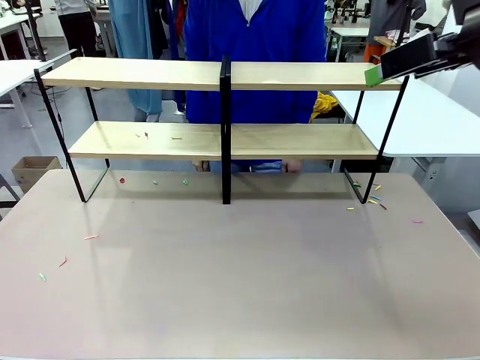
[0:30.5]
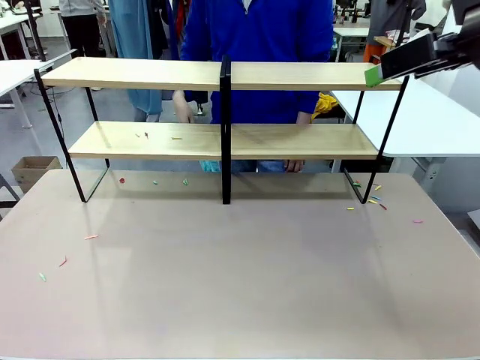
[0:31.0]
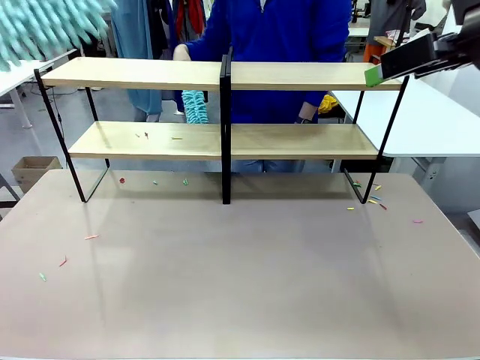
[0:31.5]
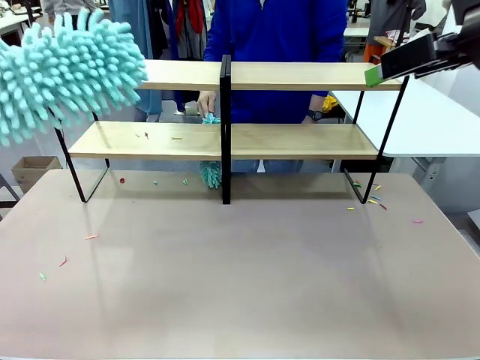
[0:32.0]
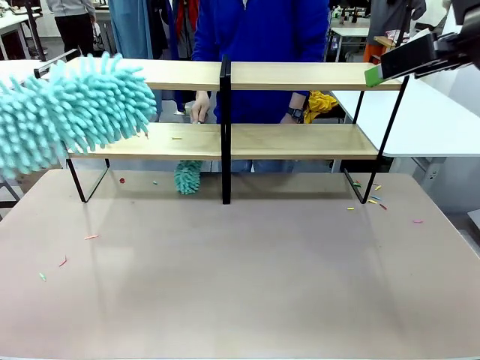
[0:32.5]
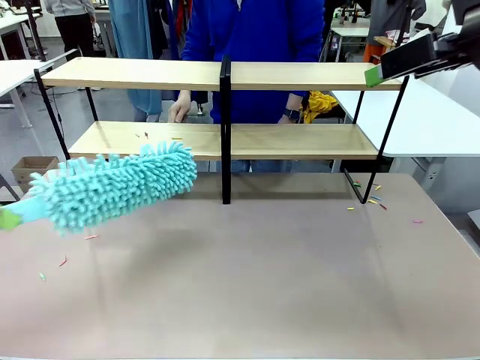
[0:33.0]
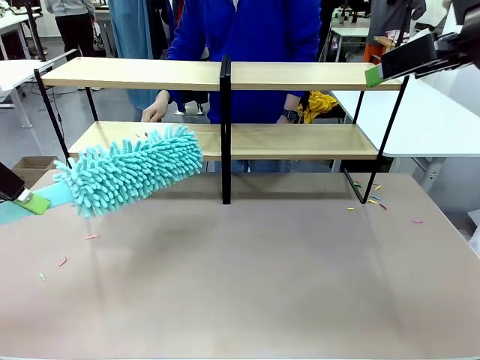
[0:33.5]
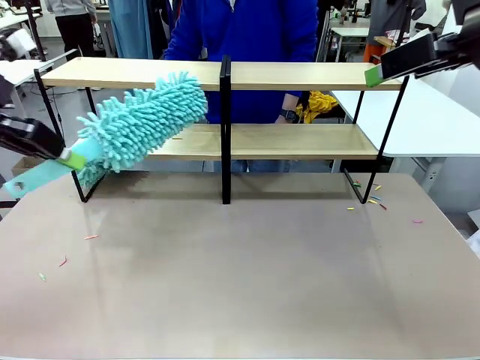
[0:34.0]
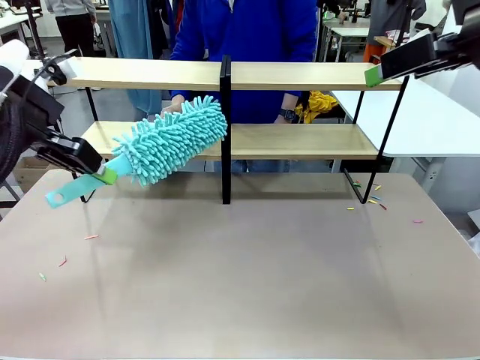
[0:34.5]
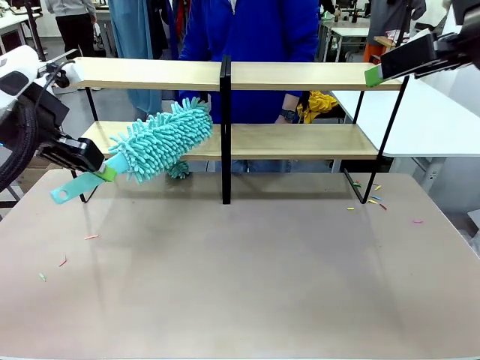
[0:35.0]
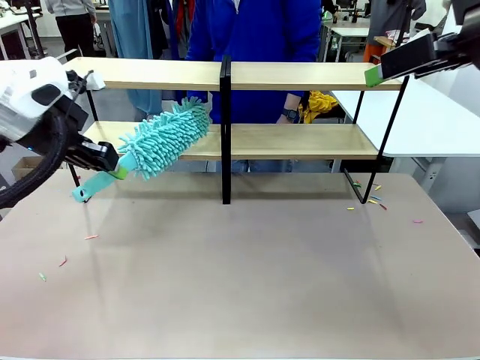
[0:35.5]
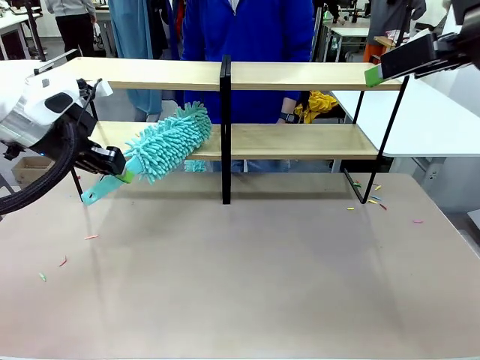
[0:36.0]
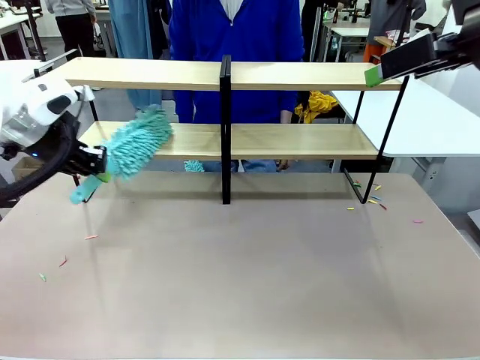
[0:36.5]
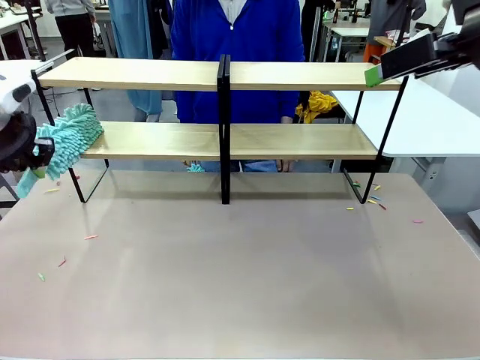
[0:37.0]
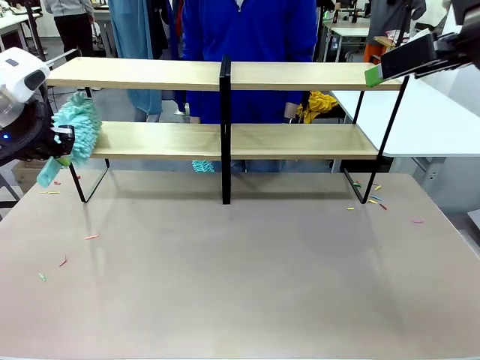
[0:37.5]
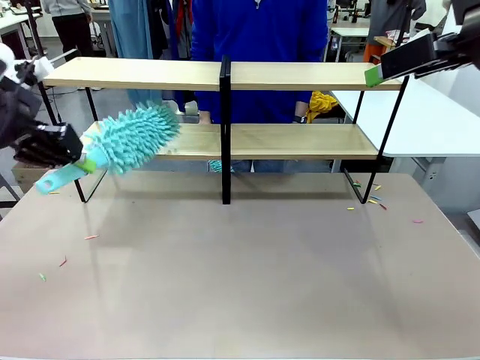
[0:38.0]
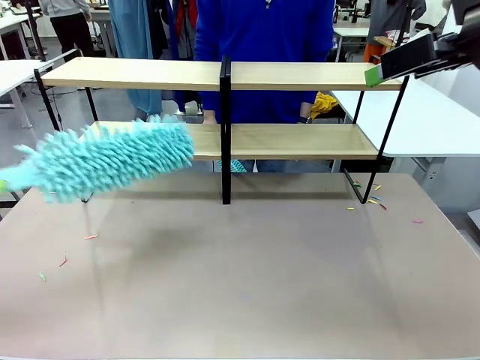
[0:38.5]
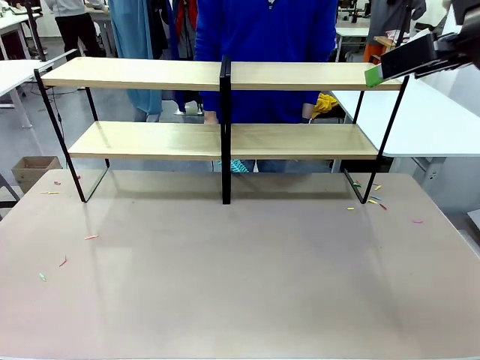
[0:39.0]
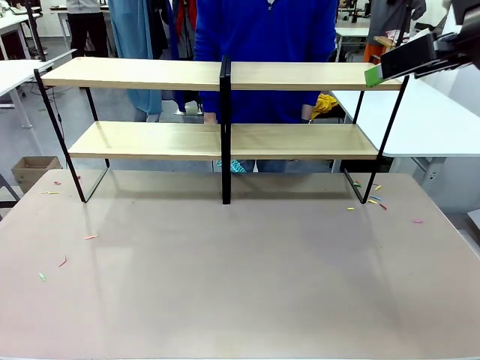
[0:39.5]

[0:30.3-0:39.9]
Task: Clean the shelves.
Robot: Clean another randomly selected level of the Shelf with the Duster.

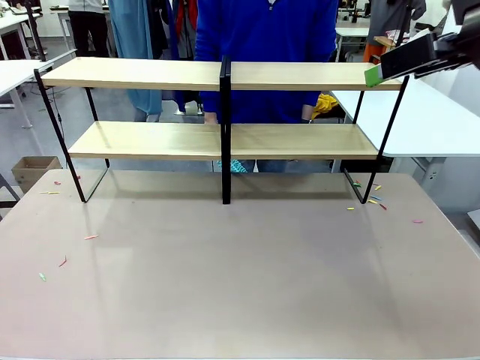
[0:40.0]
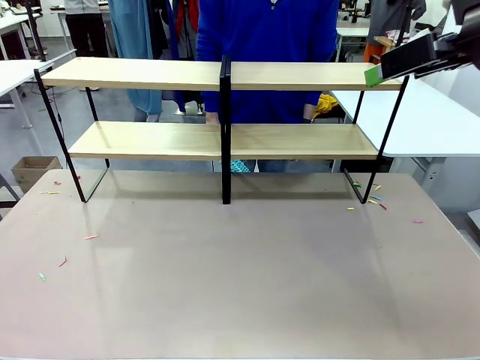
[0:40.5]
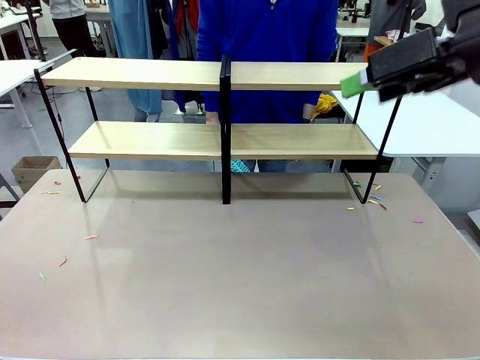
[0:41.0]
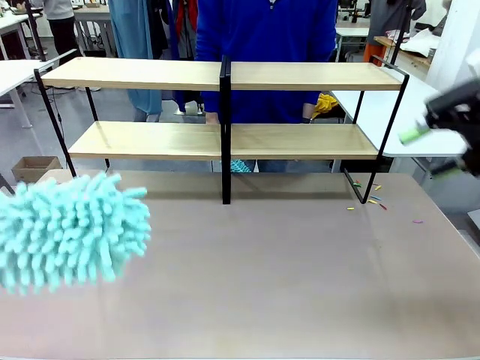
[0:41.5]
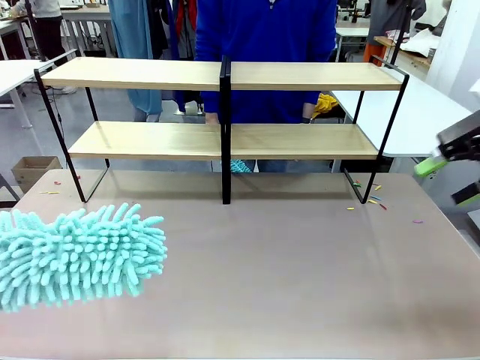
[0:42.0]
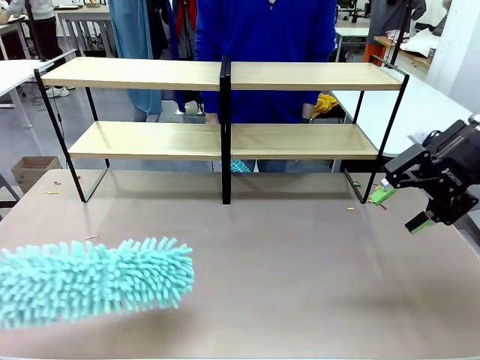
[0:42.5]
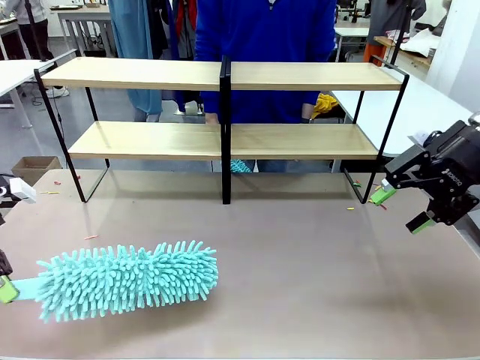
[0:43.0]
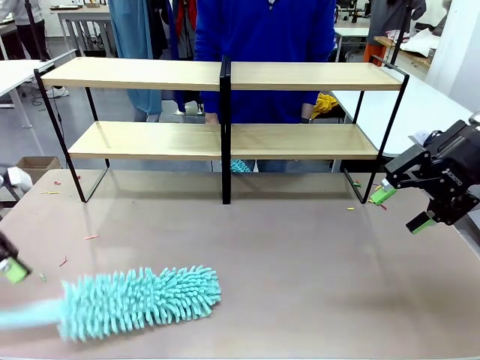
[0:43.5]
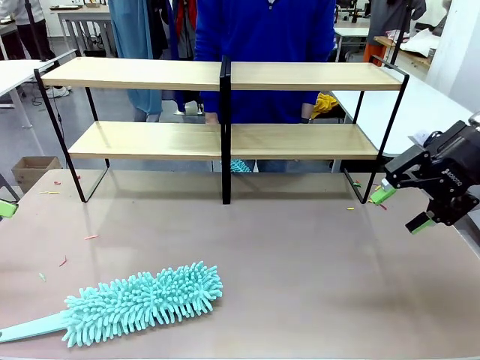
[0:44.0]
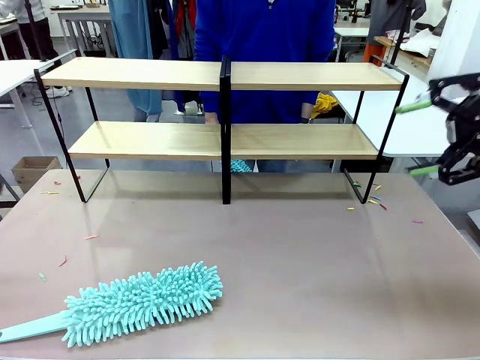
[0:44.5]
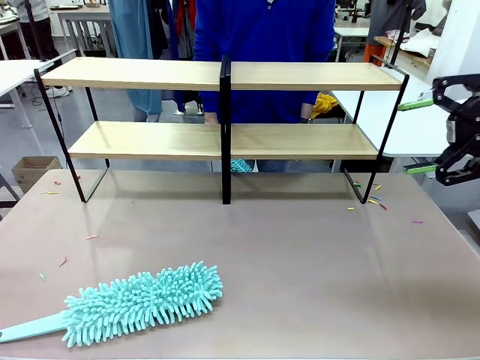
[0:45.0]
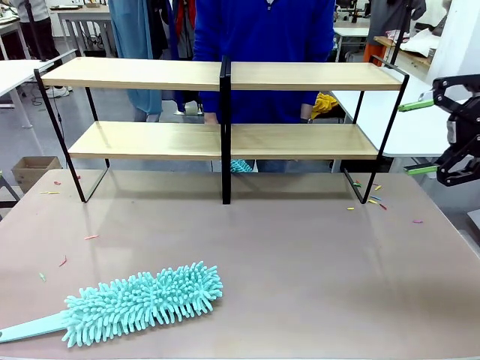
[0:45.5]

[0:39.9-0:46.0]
Robot: Place the Duster on the table.

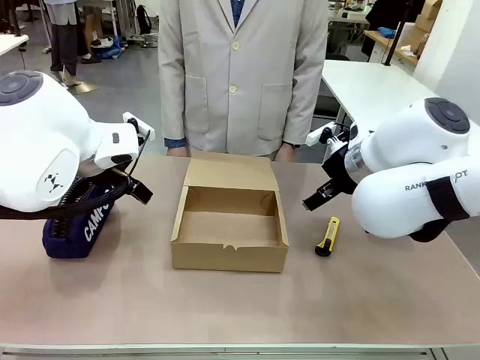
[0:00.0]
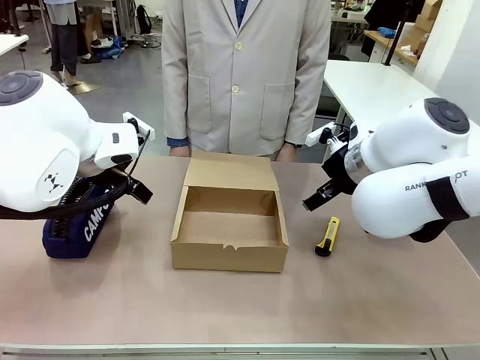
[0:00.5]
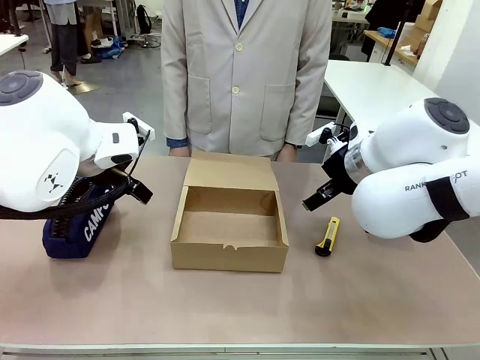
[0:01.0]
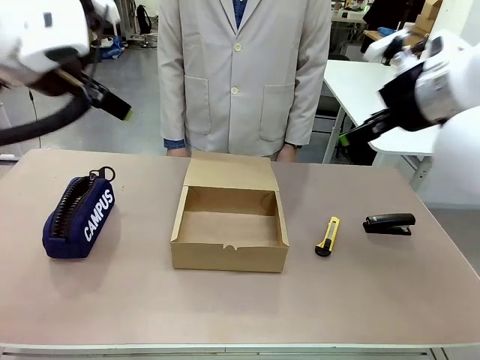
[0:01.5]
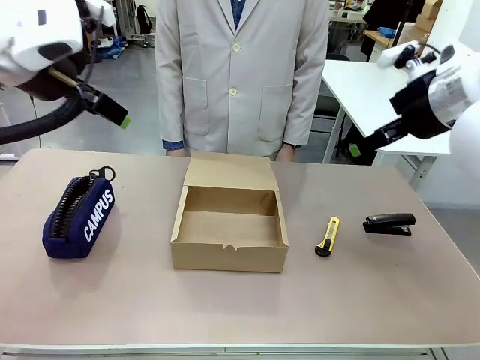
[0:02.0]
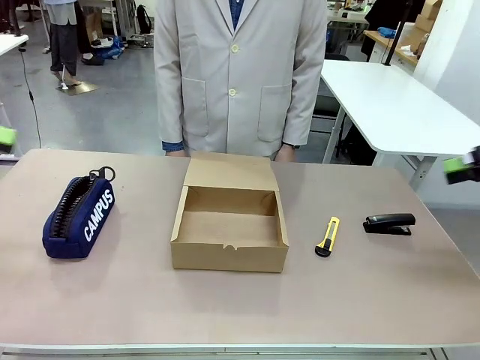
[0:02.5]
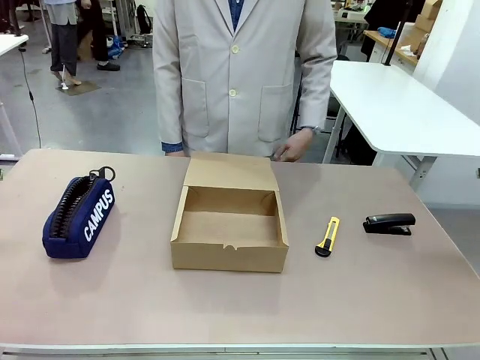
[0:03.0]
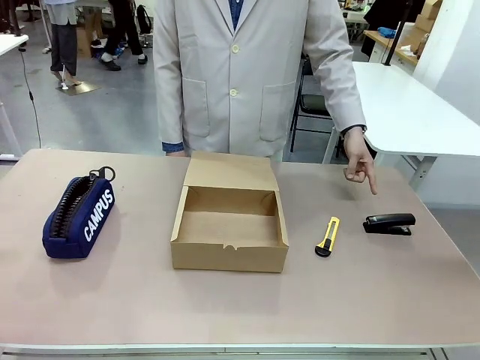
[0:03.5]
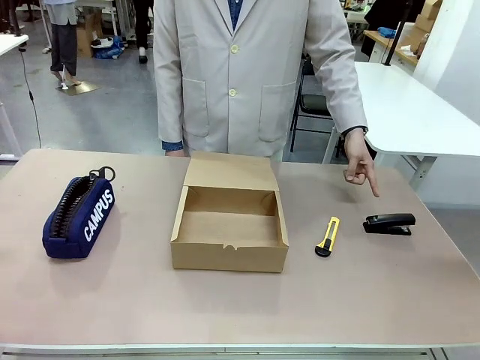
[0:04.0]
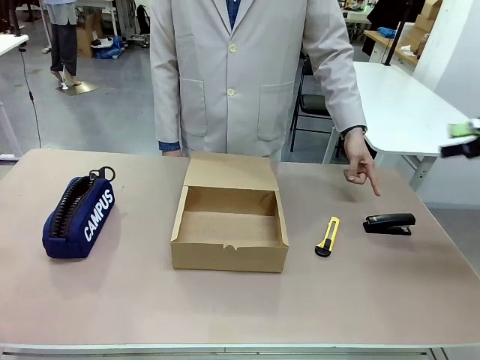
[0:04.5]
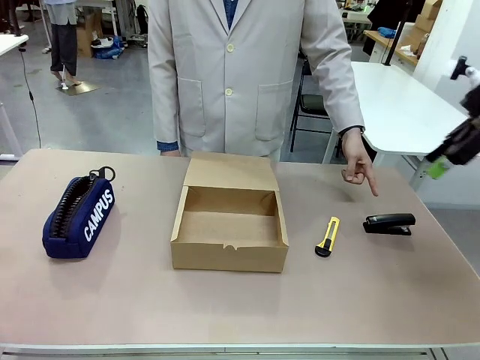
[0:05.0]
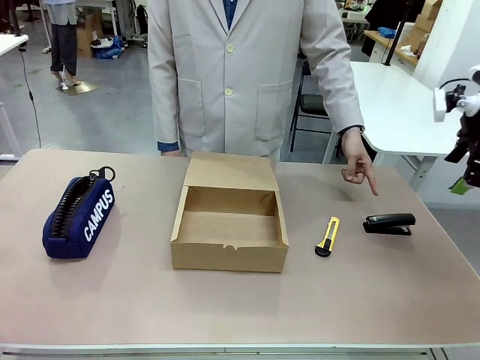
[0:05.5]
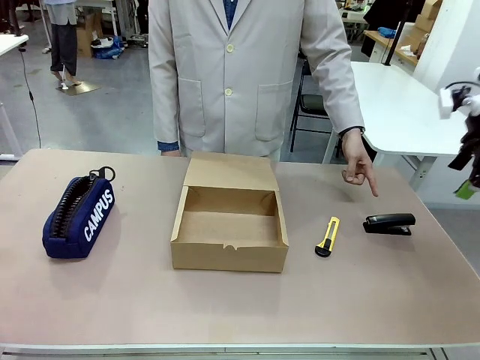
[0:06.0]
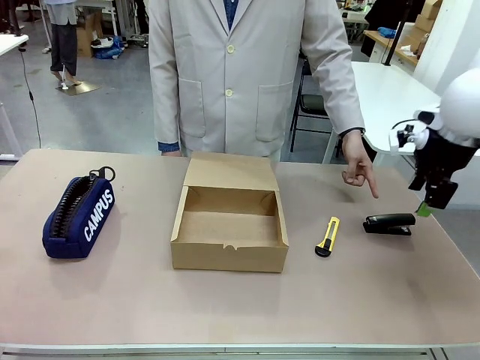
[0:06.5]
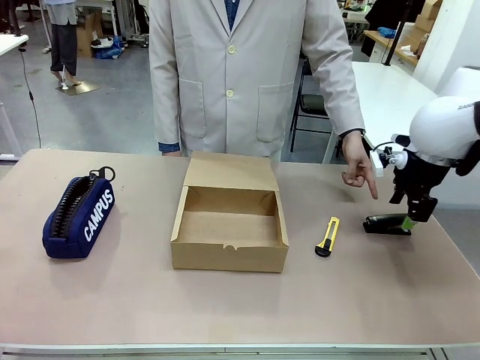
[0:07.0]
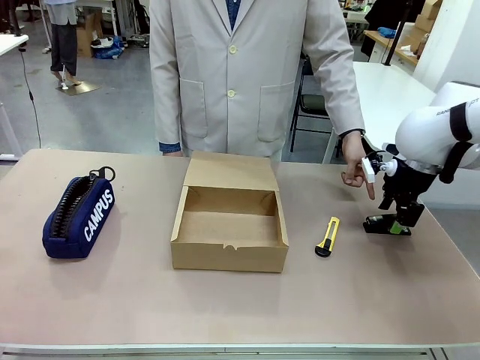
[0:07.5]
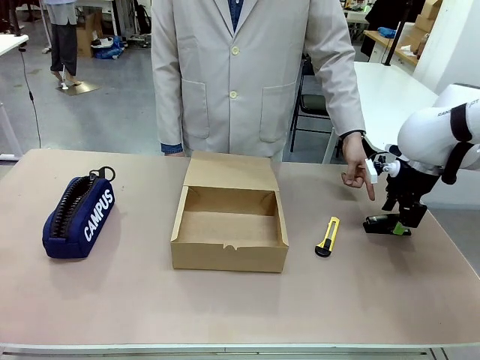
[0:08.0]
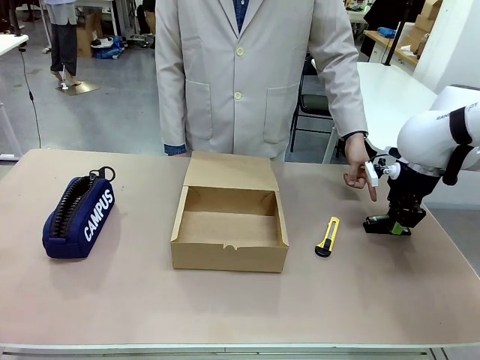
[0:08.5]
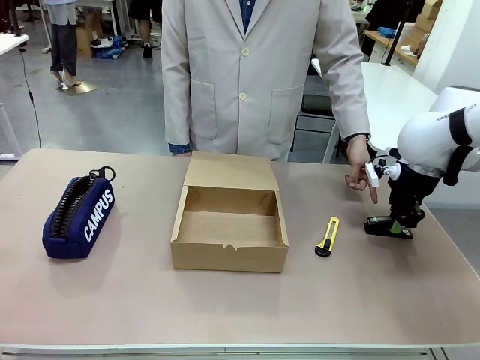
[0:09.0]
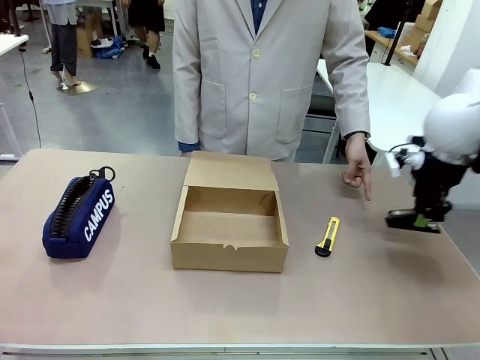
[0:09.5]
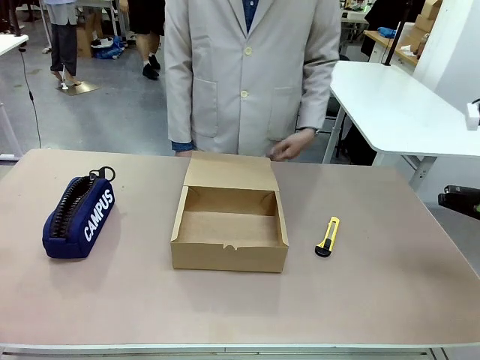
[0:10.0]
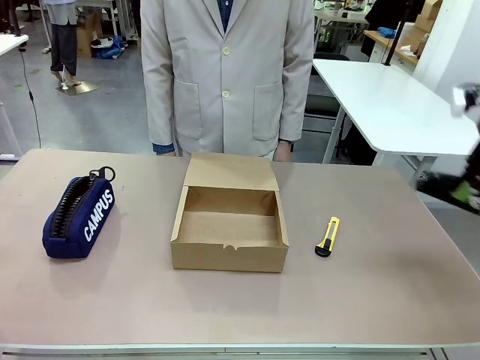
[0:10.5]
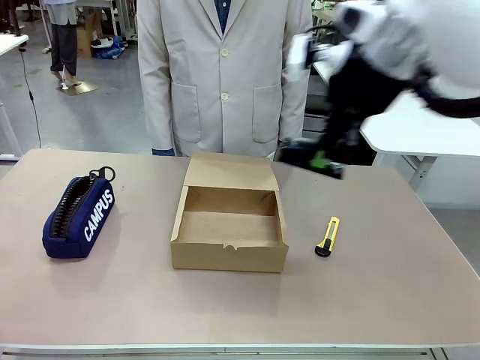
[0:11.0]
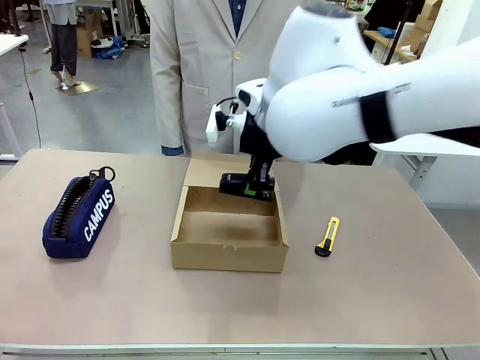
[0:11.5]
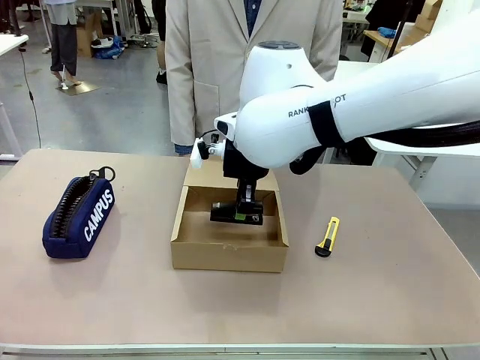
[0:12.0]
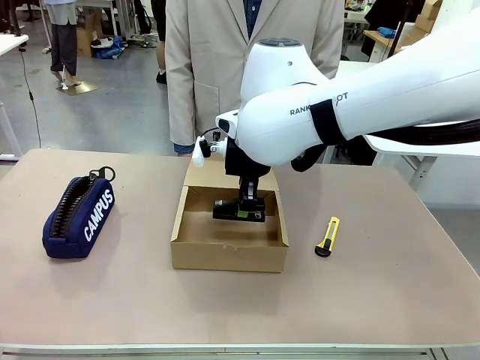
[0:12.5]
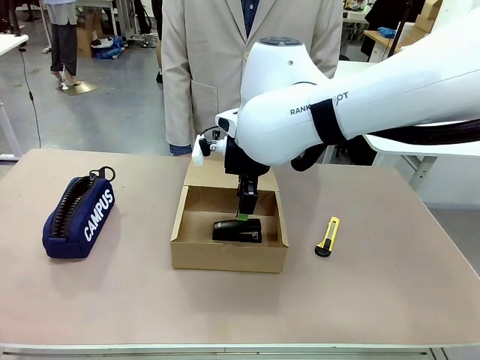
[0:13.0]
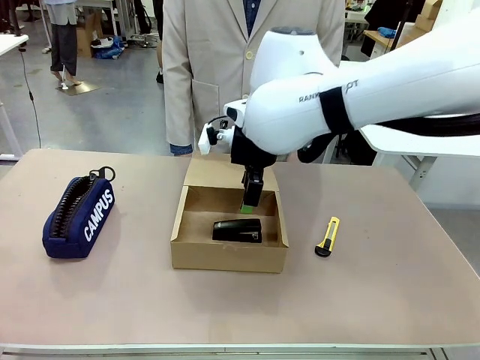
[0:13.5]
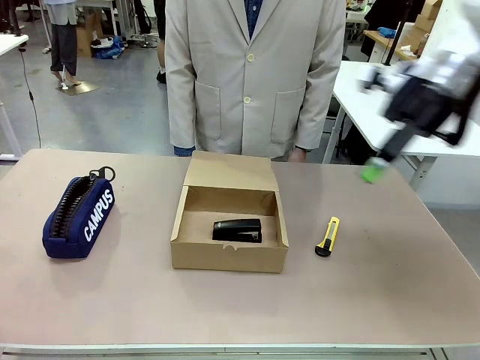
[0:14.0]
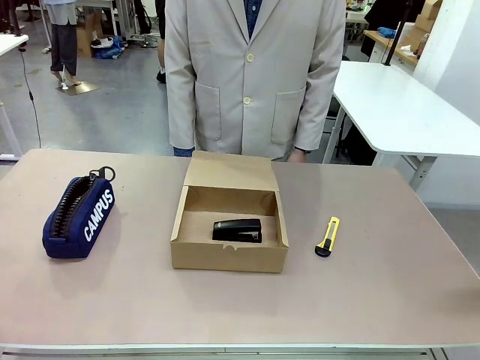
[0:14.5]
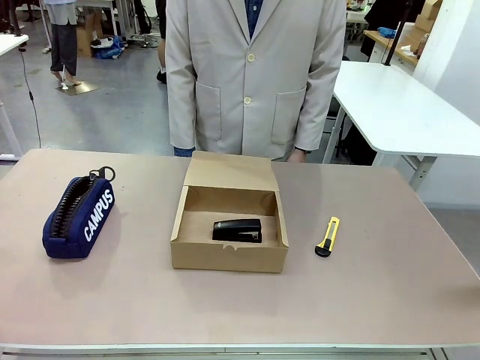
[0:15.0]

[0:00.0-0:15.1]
Task: Pack the item into the box.
Robot: Pick up the item indicated by the person and place it inside the Mailer Box.
Person: Point at one item on the table (excluding the box).
